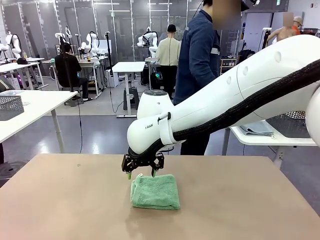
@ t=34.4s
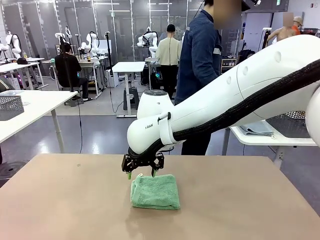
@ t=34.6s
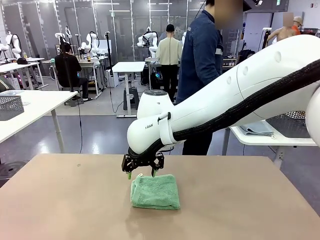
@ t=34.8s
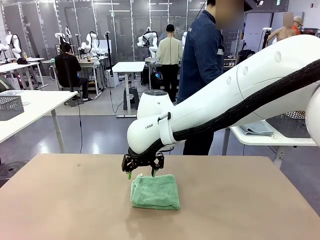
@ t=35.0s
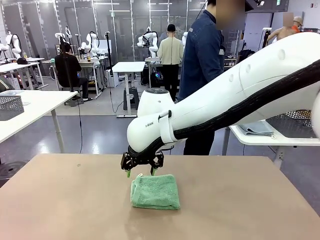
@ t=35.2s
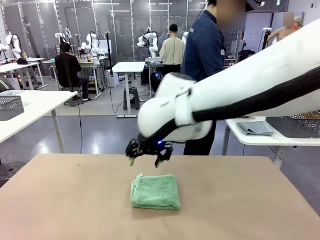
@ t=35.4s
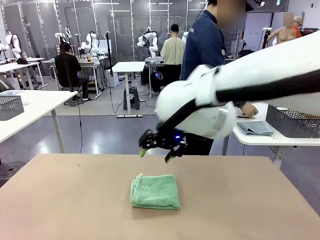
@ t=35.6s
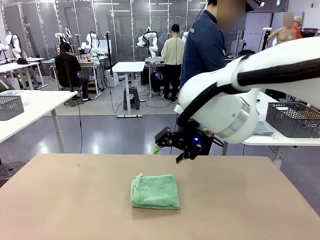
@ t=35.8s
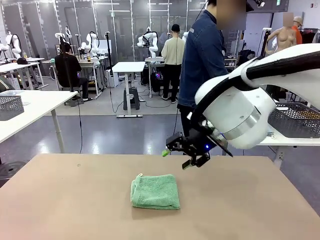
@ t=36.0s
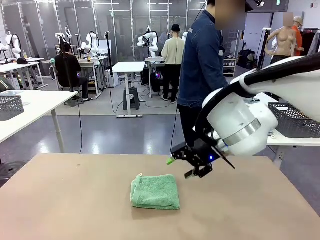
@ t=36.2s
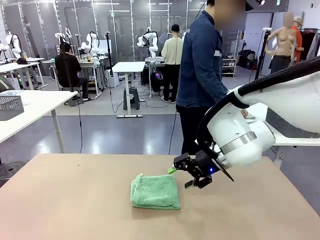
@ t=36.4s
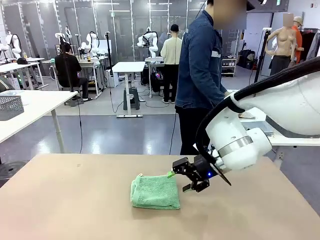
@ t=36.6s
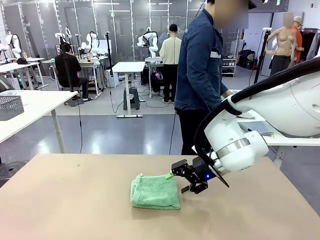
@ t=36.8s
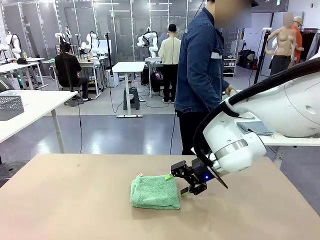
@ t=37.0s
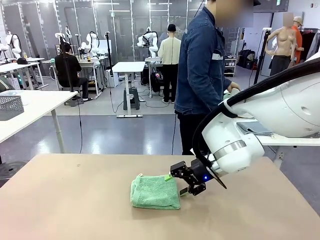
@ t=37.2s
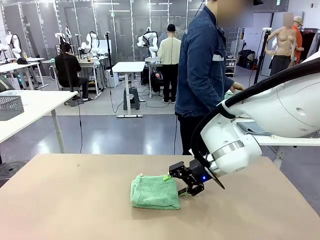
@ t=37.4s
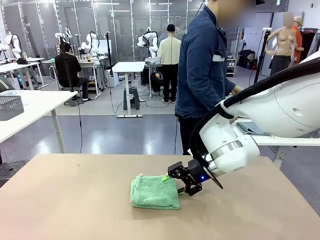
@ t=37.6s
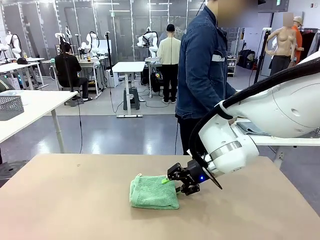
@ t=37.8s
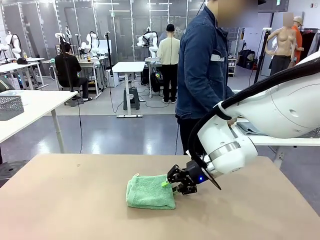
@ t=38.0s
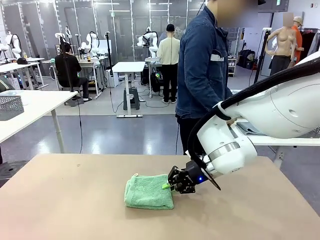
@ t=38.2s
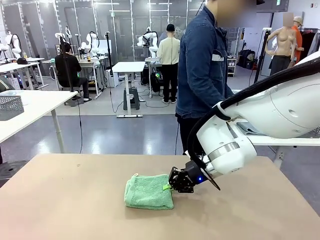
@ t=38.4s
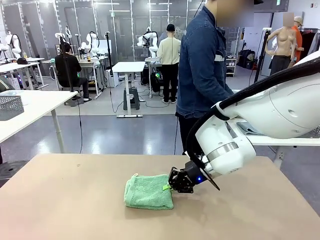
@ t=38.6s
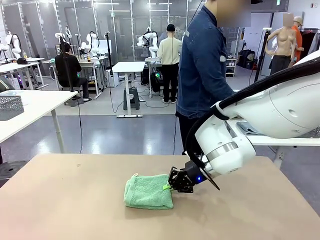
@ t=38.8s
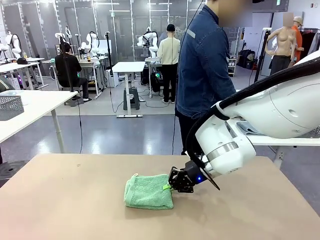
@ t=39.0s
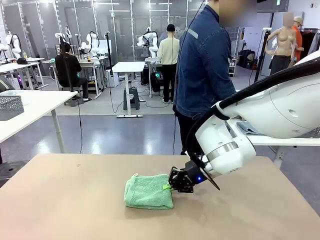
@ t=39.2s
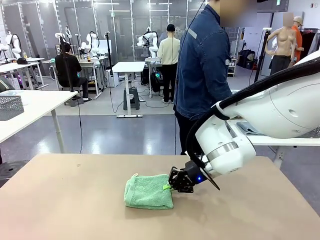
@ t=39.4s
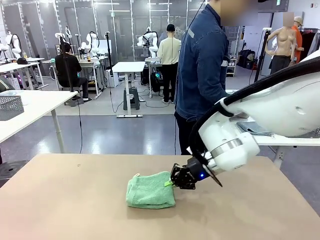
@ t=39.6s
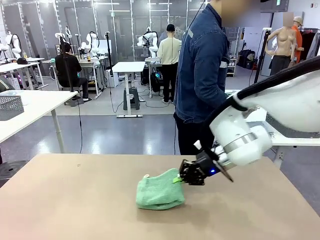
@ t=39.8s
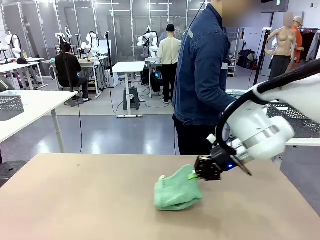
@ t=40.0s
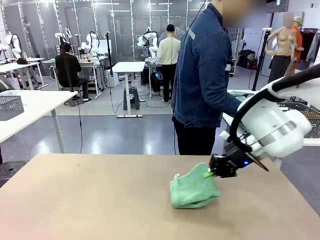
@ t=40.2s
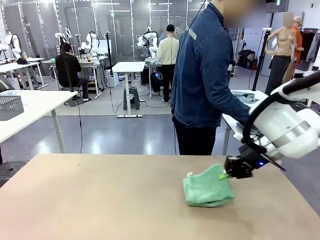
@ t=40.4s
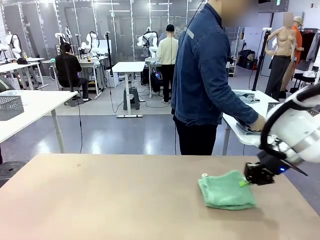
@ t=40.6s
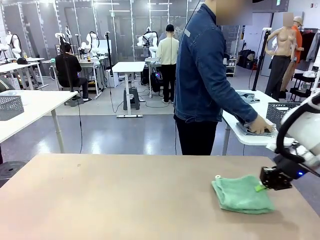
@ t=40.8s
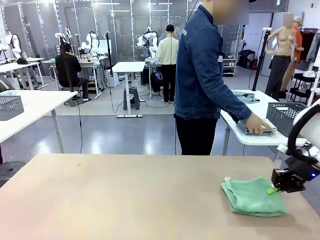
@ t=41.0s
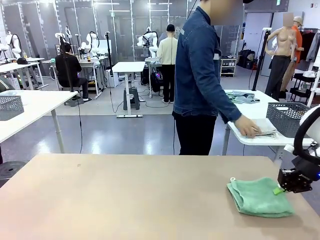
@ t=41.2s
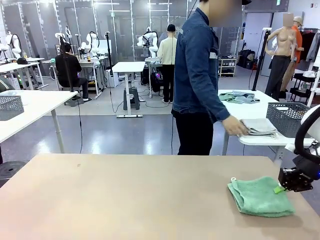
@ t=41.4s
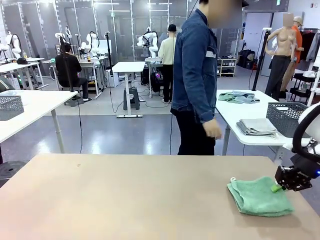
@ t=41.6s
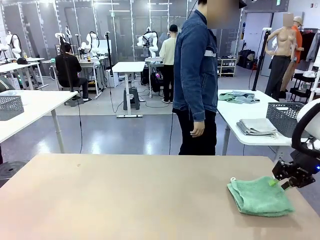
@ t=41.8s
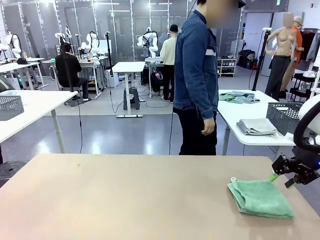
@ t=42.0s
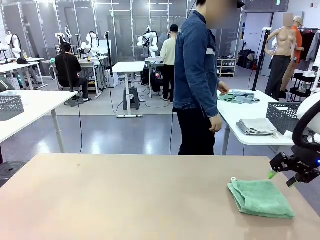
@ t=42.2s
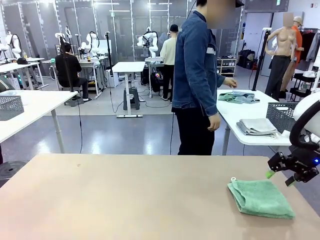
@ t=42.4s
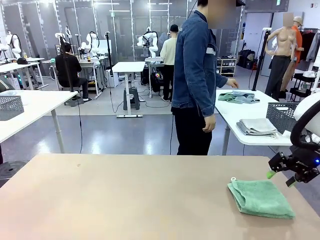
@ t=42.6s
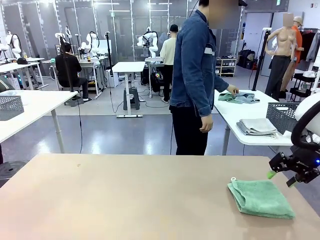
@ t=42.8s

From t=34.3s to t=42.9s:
Task: Fold the towels and place them in the basket.
Robot: Place the folded Towel with hook on the right side of the table.
Person: Pick up one towel from the left side of the human table, fold it in half twice, and stack it on the right side of the table.

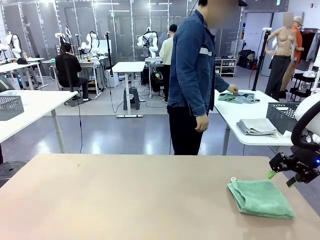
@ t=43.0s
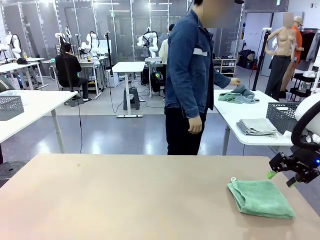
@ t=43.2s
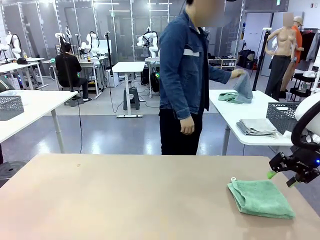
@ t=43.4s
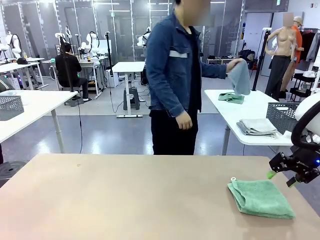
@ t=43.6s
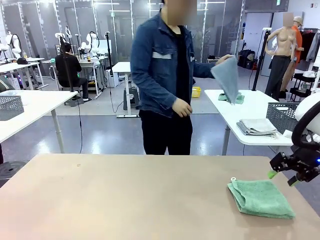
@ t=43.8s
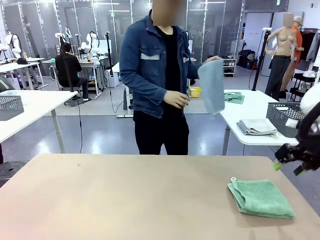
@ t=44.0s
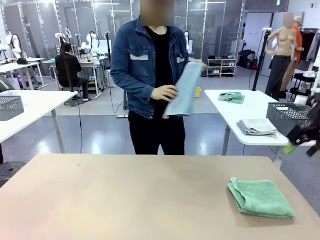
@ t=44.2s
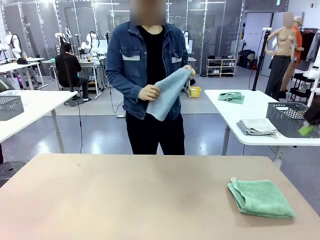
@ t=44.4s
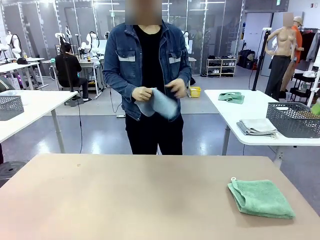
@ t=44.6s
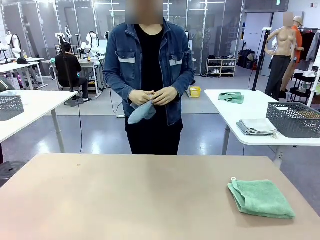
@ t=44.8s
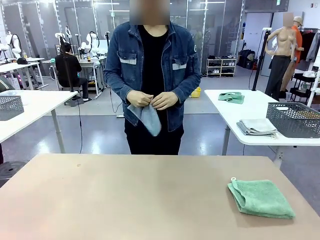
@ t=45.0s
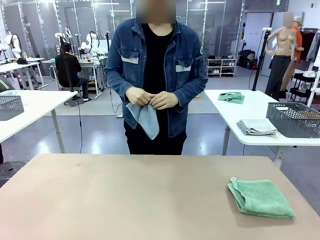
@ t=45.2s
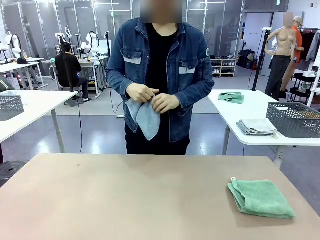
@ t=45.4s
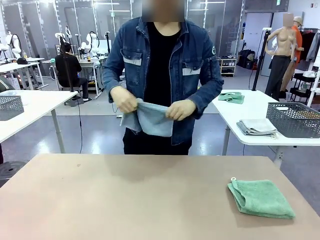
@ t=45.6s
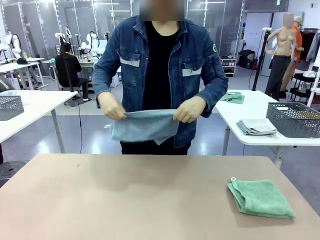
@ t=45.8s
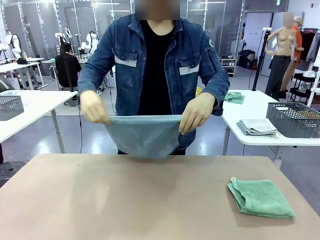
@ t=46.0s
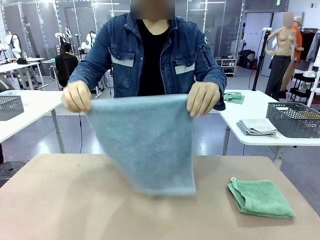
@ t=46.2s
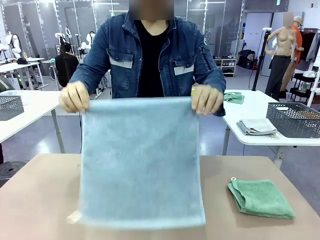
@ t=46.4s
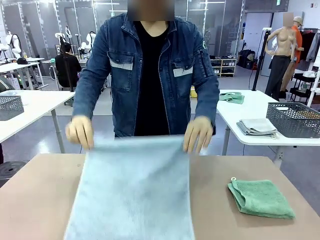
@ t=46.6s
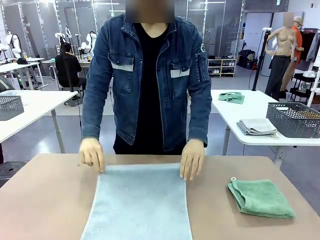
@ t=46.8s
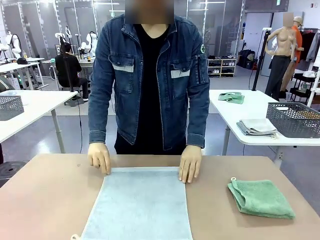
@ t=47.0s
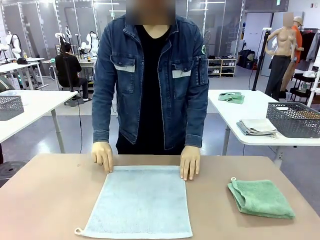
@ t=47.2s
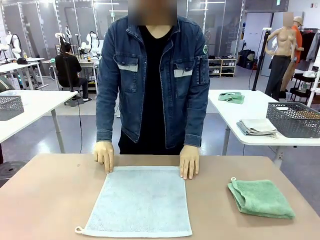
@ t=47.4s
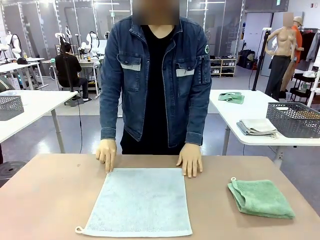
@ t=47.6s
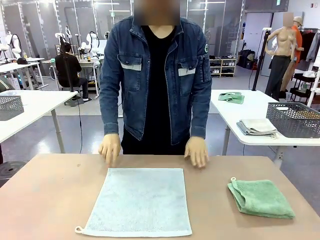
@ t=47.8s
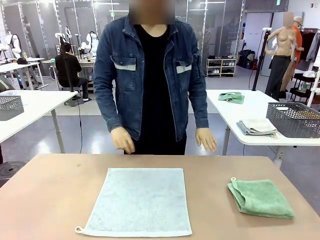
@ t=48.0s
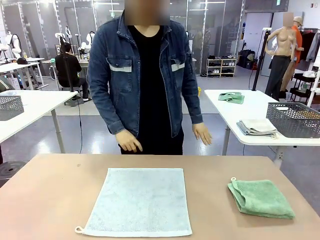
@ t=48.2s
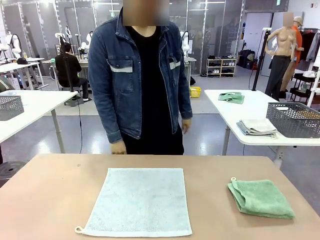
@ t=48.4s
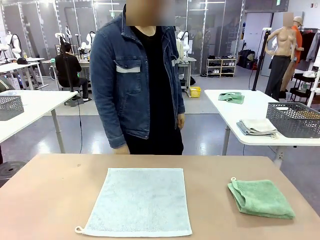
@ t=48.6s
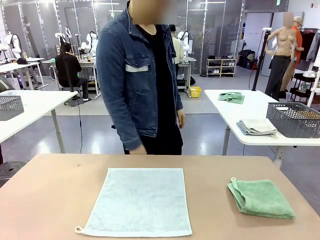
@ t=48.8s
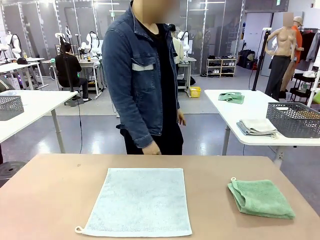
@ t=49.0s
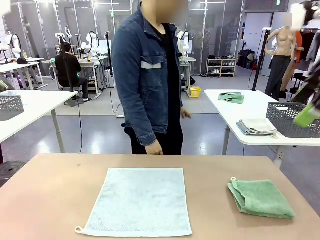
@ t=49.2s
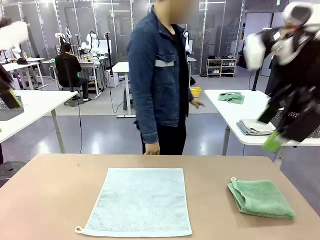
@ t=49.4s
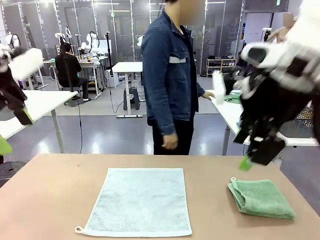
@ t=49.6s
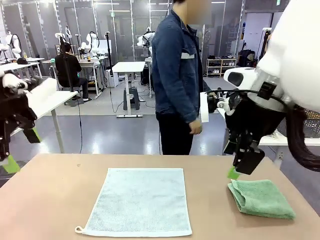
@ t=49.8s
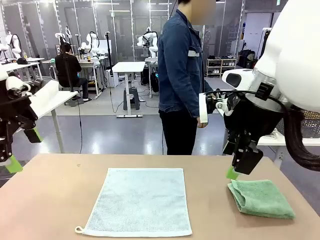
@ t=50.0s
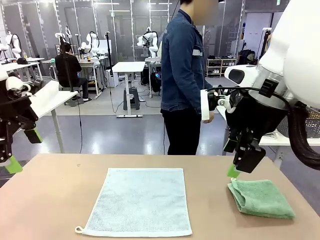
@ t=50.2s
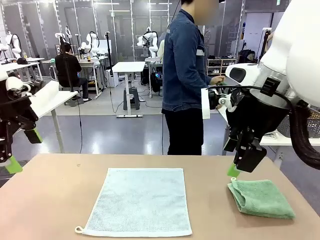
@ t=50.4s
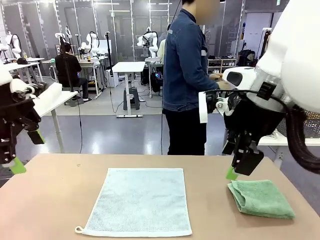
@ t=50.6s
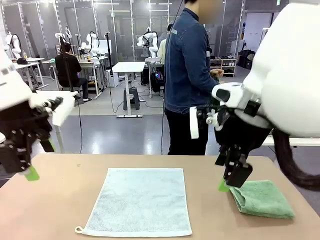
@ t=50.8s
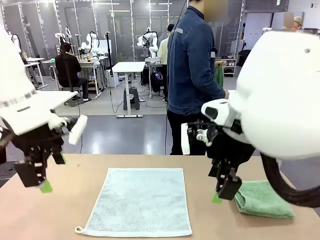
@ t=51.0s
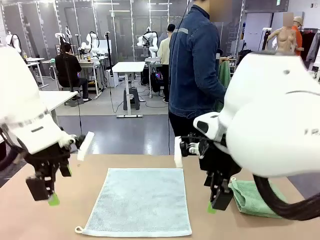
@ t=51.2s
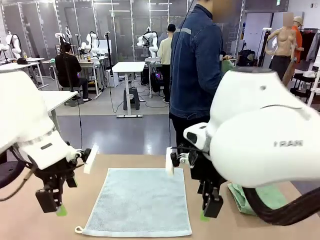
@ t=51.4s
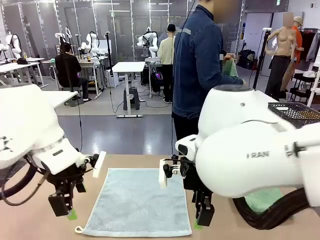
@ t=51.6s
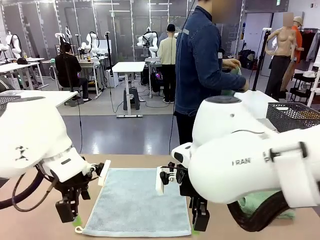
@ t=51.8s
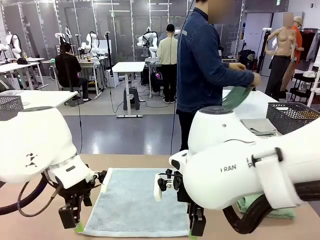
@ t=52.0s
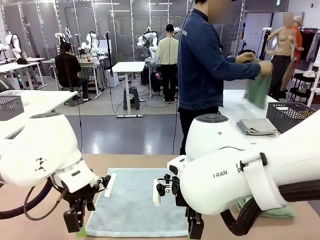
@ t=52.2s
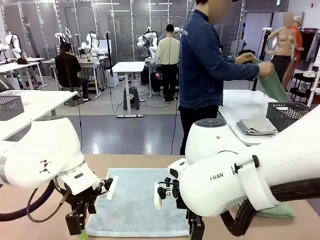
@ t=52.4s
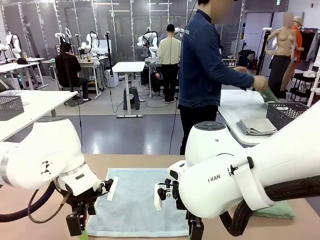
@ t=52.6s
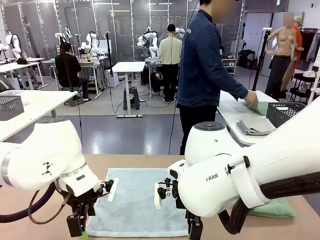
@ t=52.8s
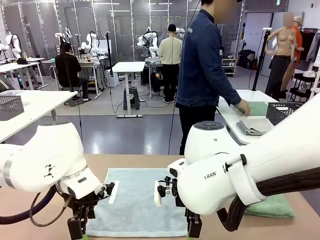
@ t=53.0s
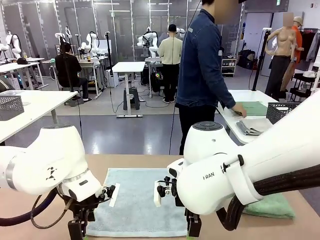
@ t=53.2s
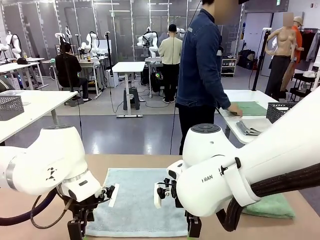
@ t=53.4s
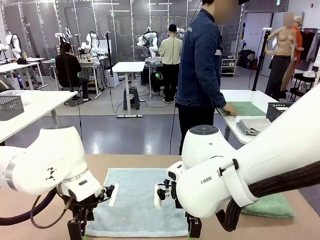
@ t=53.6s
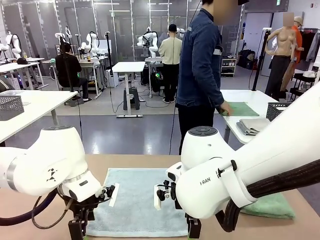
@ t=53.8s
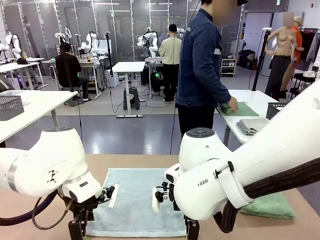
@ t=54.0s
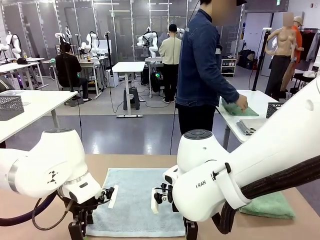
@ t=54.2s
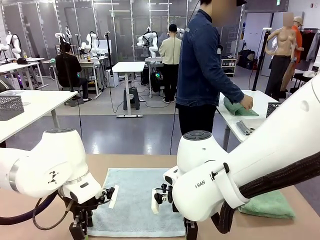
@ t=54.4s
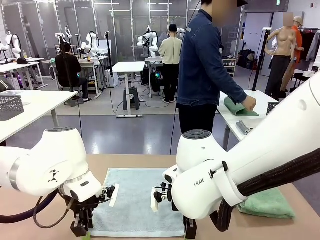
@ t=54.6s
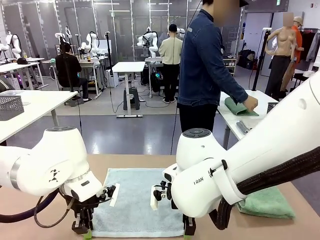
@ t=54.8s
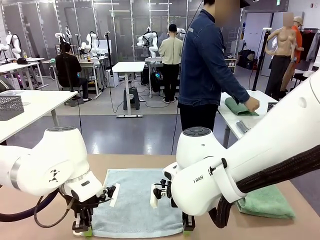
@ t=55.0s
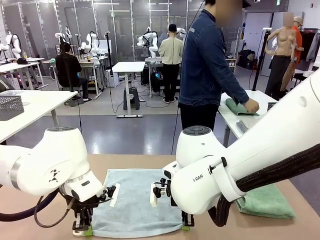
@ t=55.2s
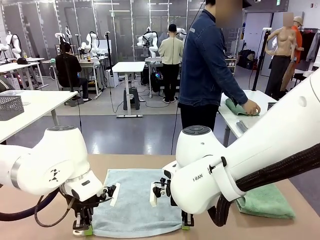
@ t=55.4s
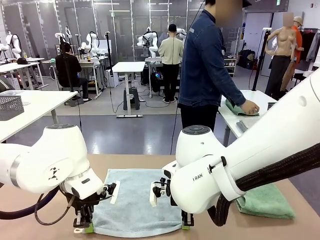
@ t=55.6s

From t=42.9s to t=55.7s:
Robot: When a person lays out a Towel with hook on the table, fold it in half twice.
Person: Pick up one towel from the left side of the human table and spread it out at the center of the robot table. Pick up one towel from the left side of the human table, fold it in half twice, and stack it on the right side of the table.
